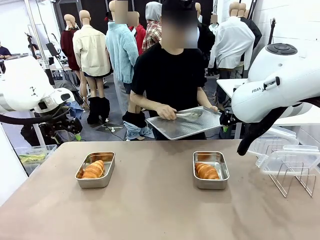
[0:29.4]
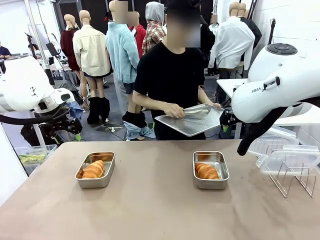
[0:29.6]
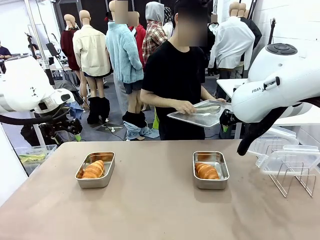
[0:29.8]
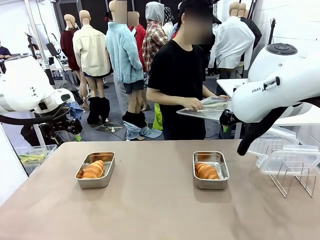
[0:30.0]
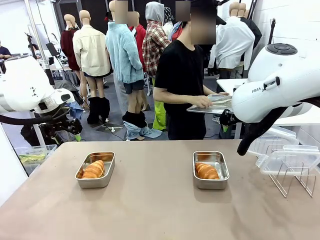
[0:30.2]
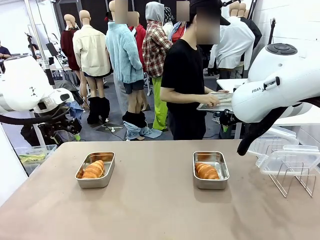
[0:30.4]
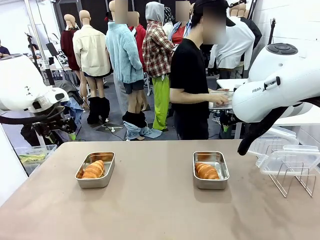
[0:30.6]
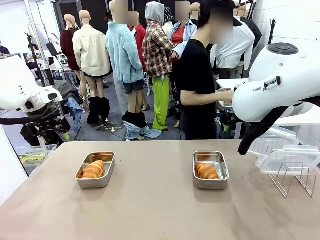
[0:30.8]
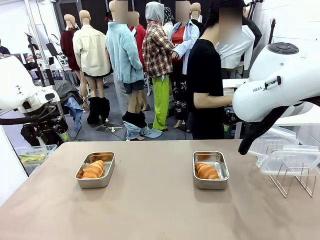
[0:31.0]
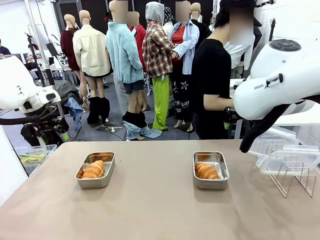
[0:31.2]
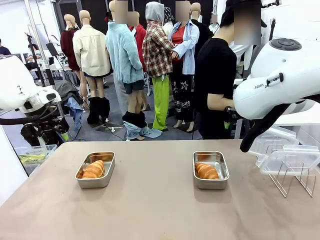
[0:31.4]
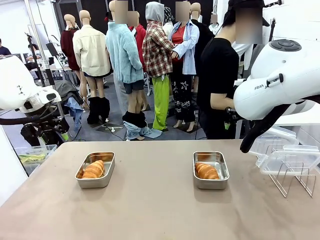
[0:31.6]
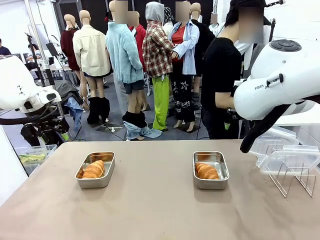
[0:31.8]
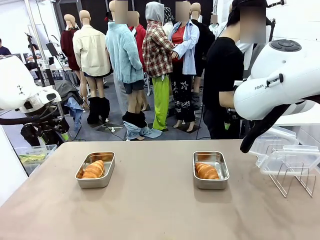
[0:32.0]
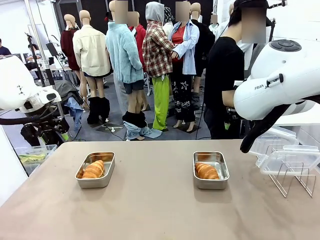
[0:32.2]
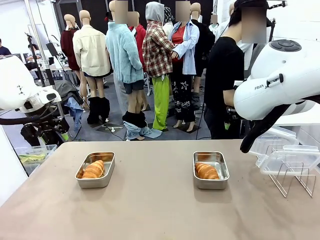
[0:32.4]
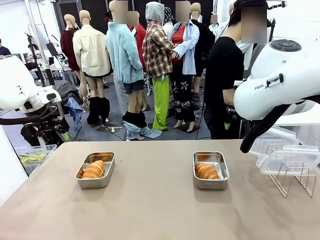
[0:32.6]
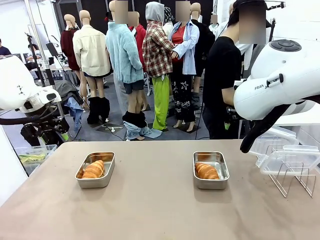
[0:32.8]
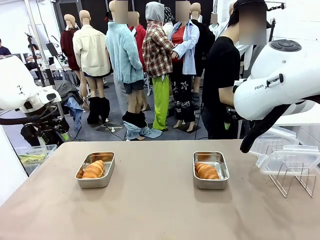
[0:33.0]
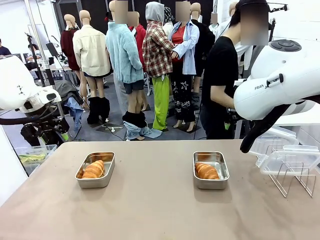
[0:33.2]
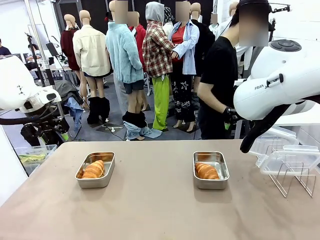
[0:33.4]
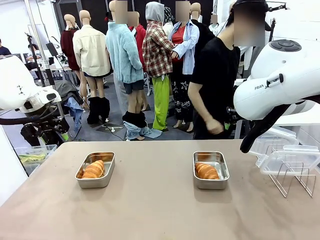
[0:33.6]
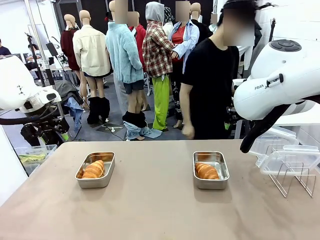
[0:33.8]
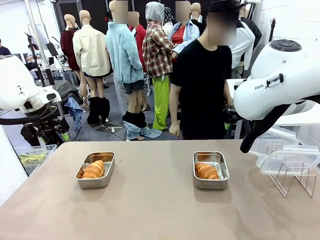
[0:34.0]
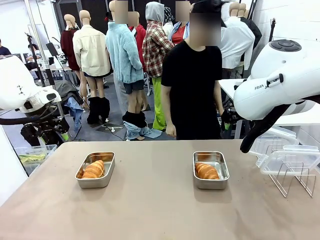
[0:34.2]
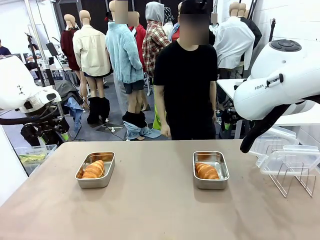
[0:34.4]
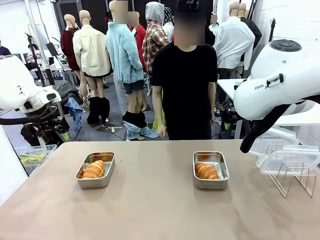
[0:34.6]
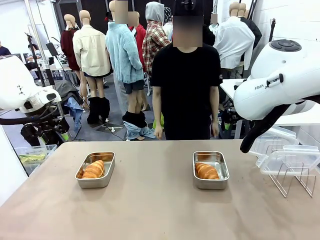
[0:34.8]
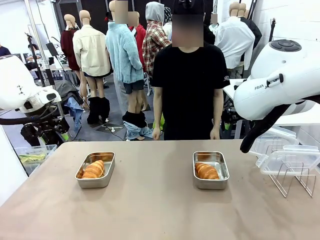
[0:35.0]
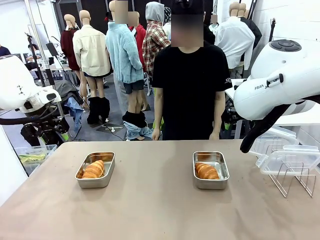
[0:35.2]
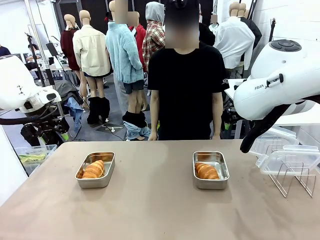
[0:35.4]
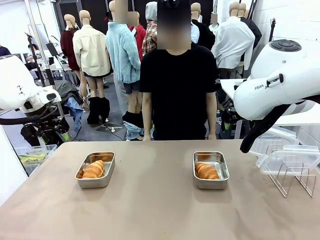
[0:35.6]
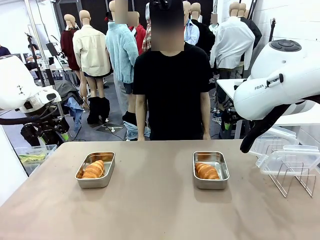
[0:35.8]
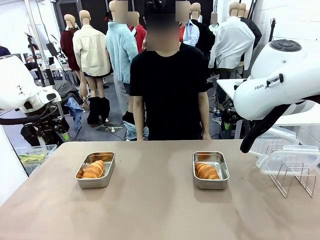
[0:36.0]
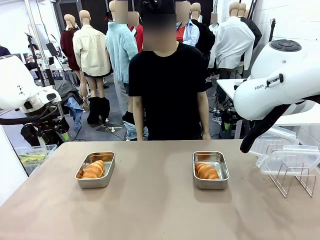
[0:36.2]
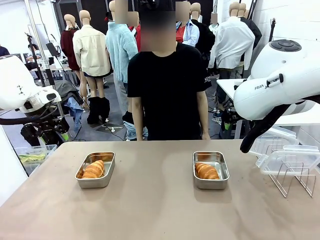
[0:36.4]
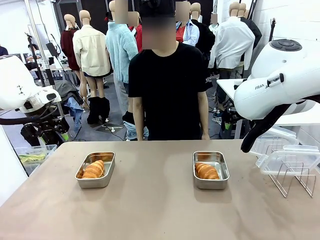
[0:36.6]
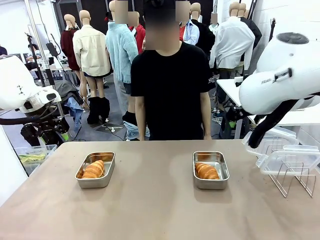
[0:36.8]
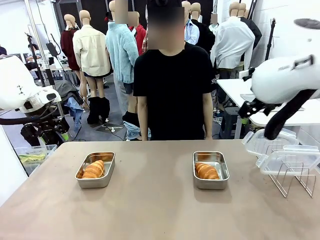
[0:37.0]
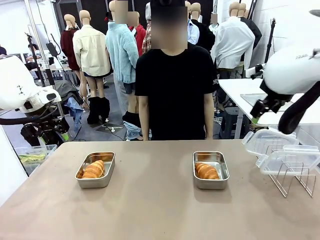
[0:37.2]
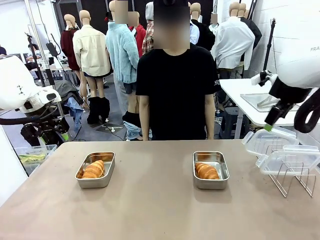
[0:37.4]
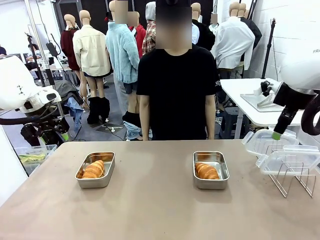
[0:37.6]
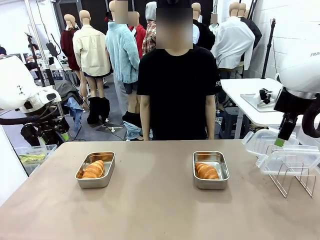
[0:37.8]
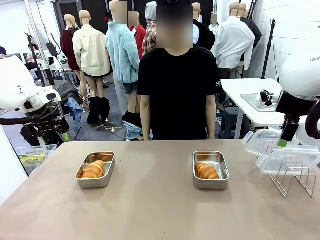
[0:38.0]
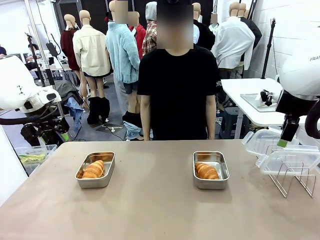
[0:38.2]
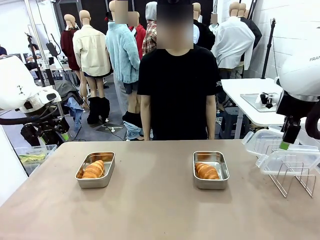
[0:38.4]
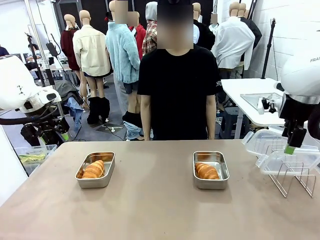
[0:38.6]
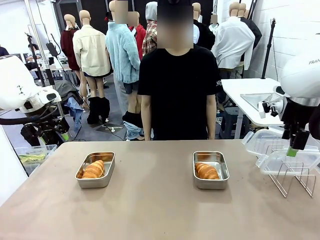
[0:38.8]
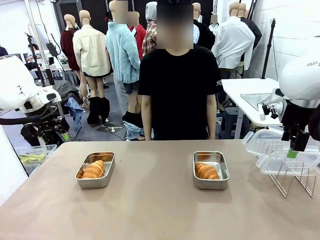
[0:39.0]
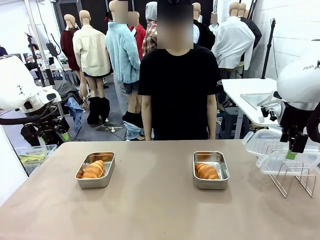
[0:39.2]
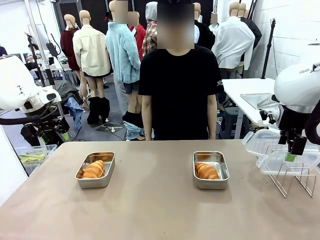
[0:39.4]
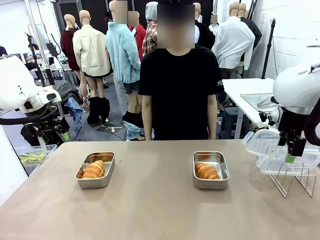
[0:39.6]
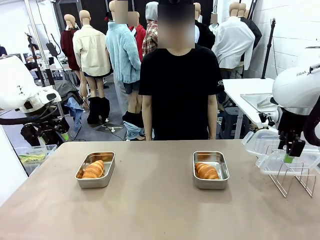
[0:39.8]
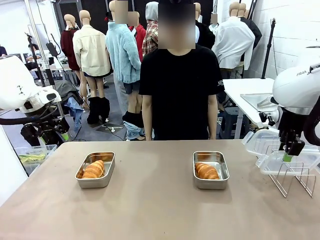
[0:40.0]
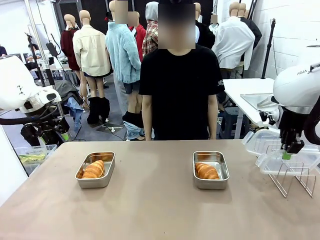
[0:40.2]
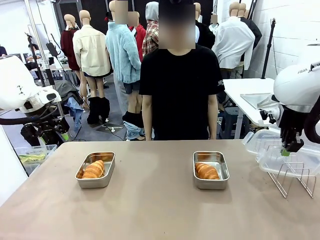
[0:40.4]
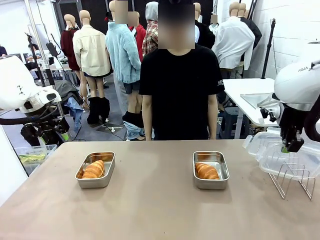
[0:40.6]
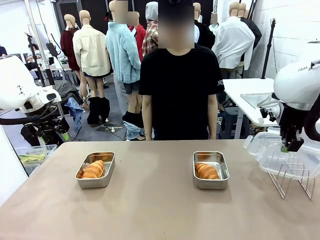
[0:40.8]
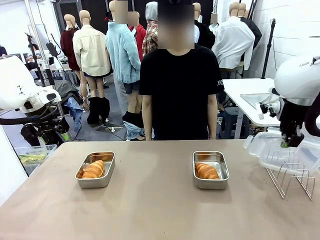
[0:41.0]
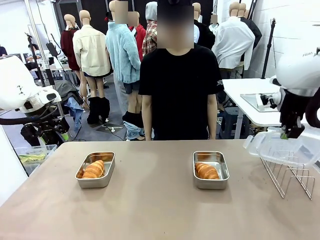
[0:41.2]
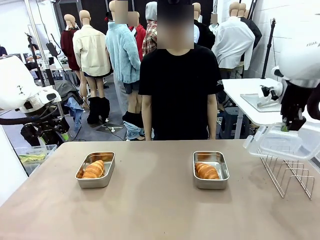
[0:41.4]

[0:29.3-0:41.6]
Task: Place the bread in airtight containers.
Robot: Pick up one Airtight Container lid and hand it to the human.
Person: Place Baking Sheet on the Human's Table. Grip Airtight Container lid that robot is handing.

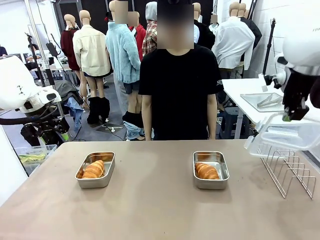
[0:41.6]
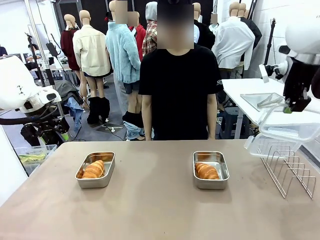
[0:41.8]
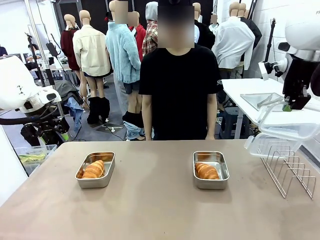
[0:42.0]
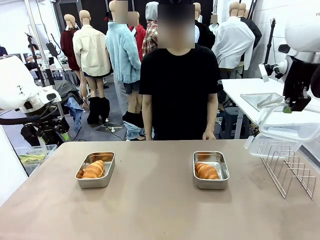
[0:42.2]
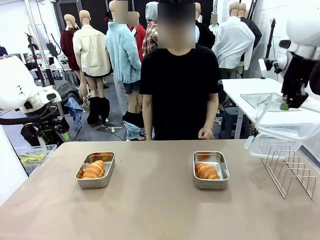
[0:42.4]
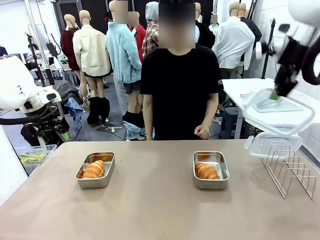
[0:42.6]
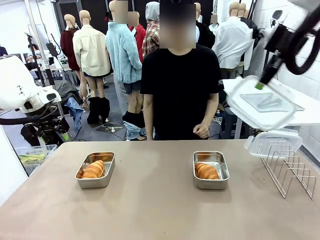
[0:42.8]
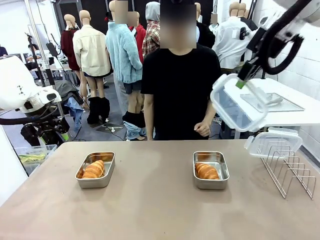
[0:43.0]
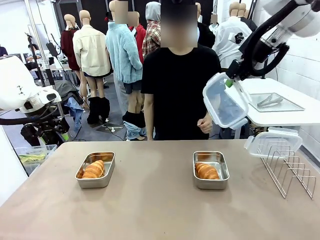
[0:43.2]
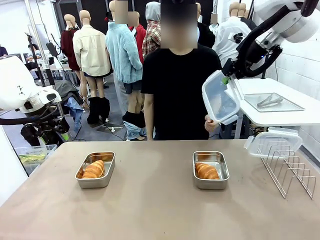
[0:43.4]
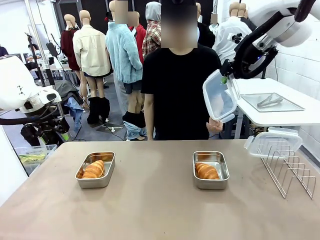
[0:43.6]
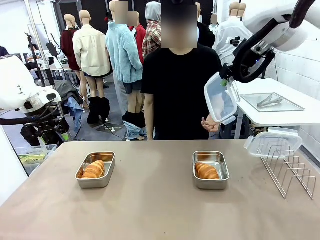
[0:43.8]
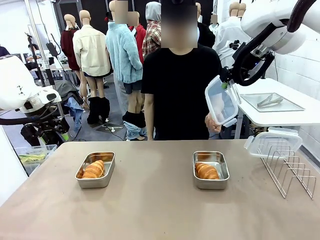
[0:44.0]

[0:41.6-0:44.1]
Robot: Release when the human grabs the Airtight Container lid.
